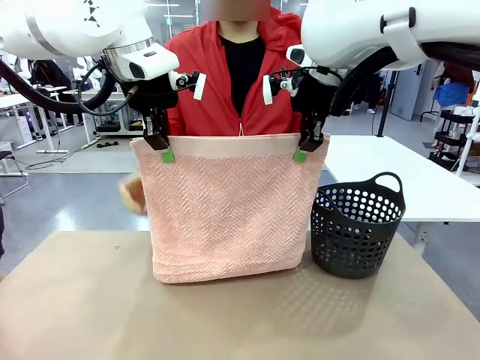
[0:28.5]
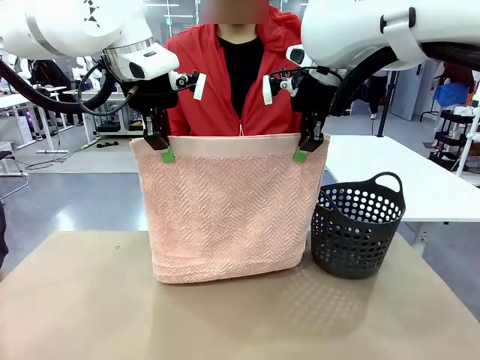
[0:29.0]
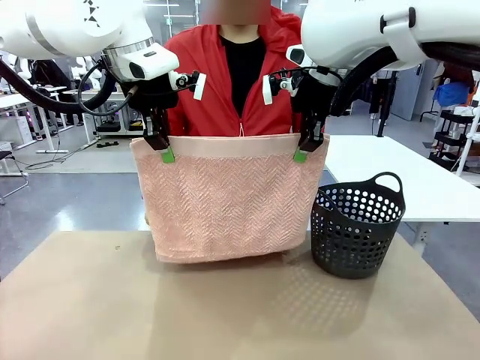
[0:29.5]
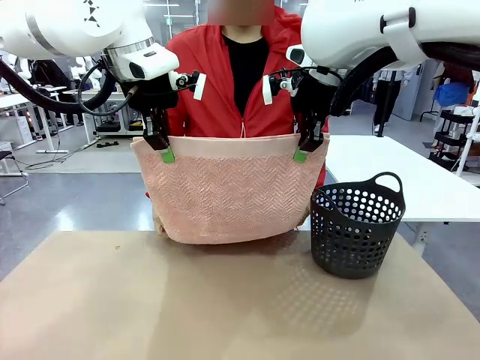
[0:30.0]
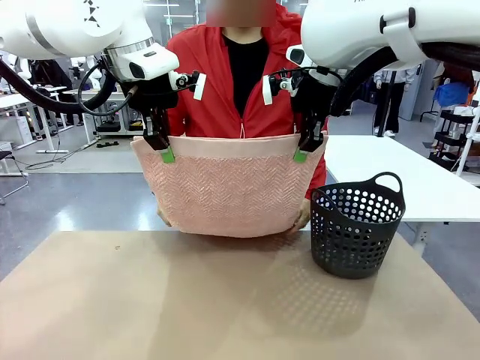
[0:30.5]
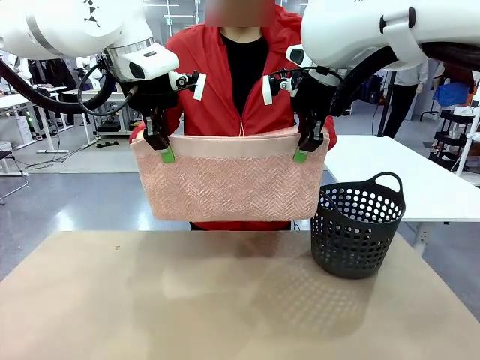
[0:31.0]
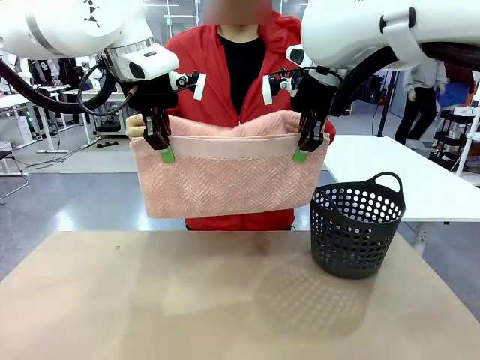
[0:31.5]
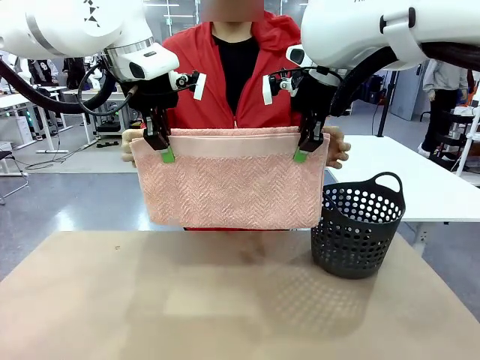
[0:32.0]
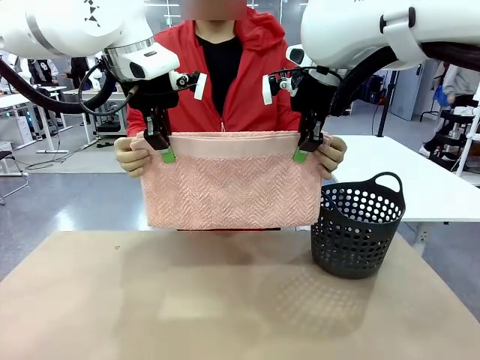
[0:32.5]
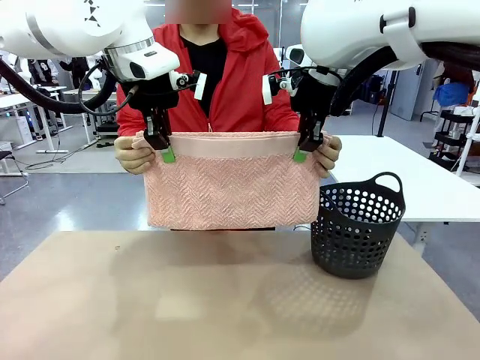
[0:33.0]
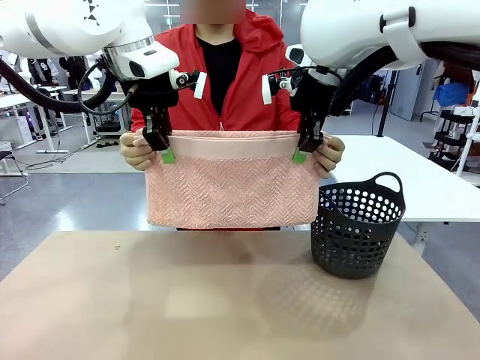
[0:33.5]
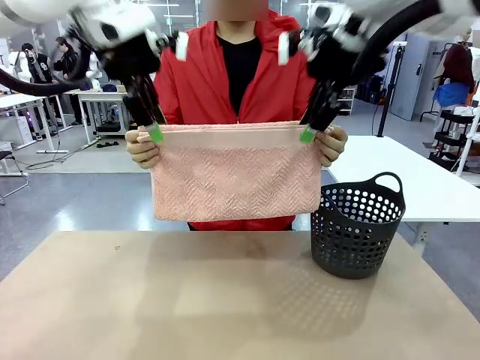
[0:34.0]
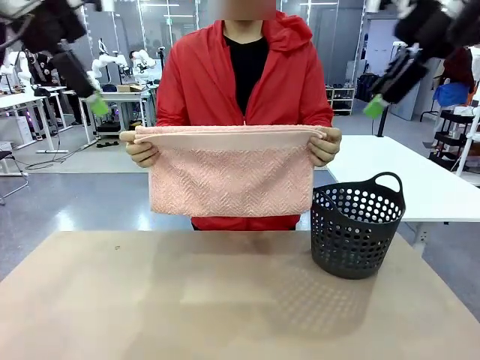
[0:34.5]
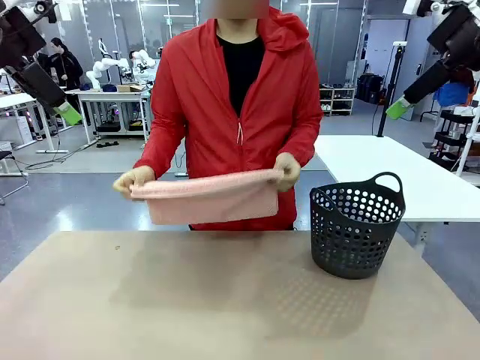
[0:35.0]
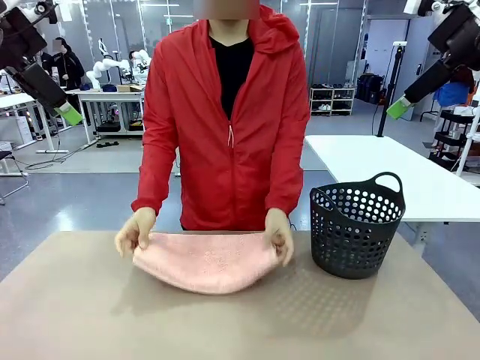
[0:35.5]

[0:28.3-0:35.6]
Task: Fold the towel.
Robot: Release the end of the 100 cm Hotel Towel you were holding.

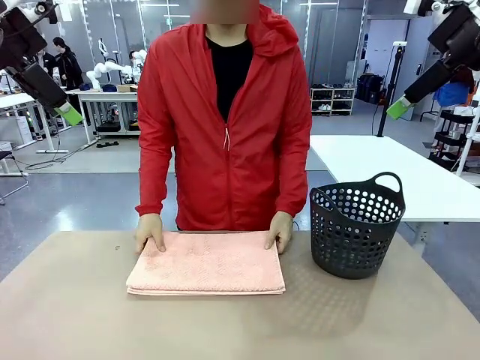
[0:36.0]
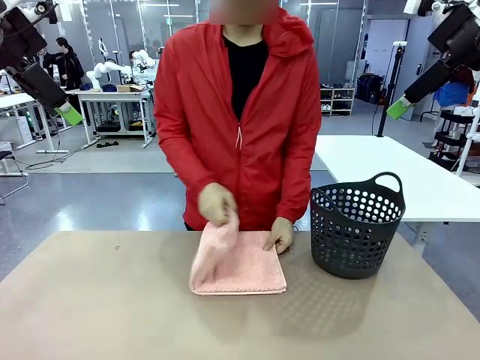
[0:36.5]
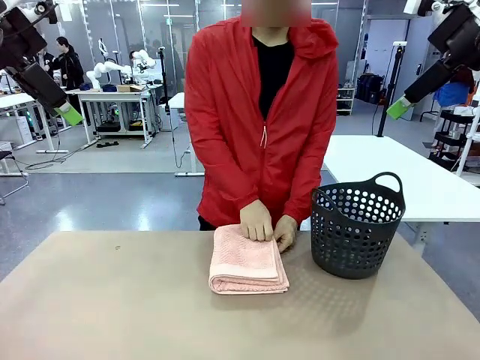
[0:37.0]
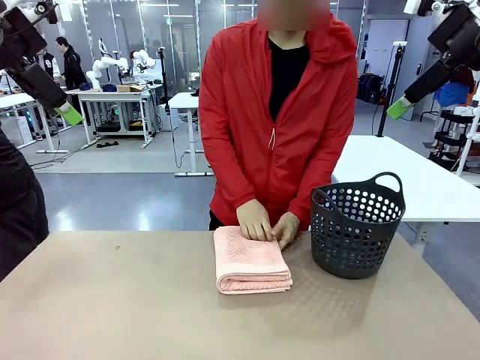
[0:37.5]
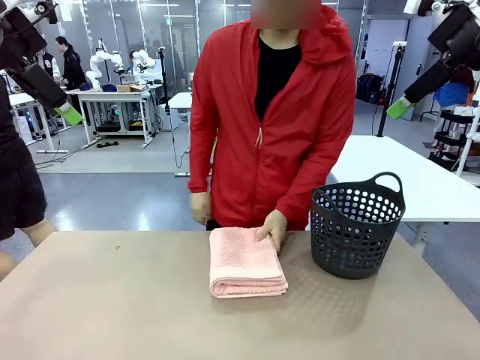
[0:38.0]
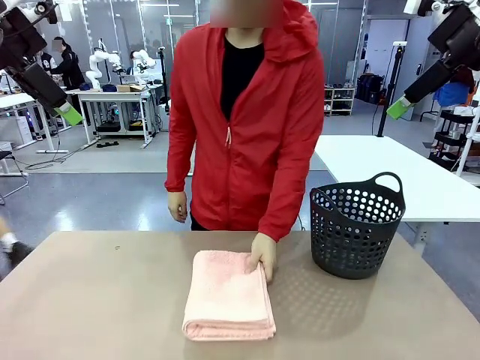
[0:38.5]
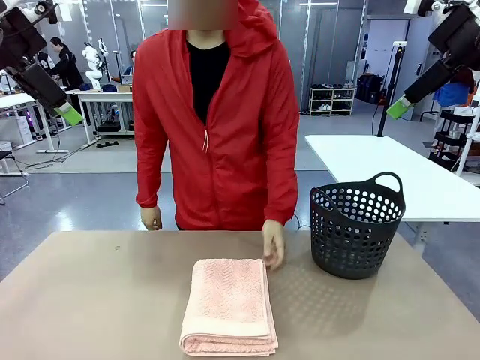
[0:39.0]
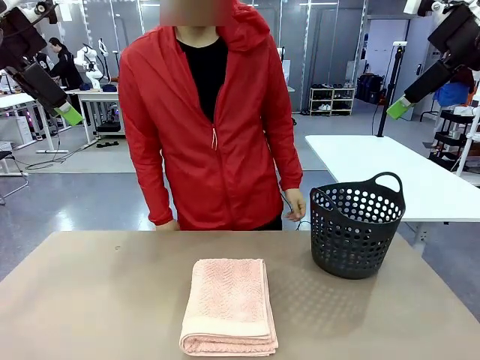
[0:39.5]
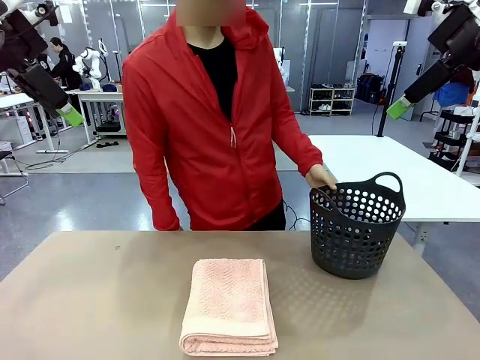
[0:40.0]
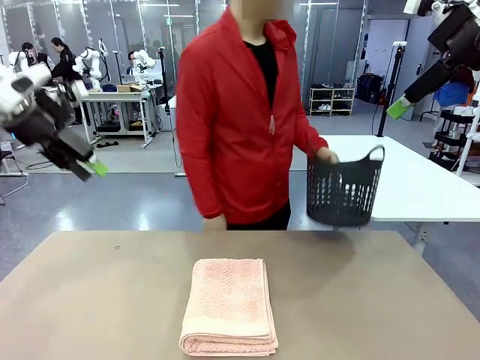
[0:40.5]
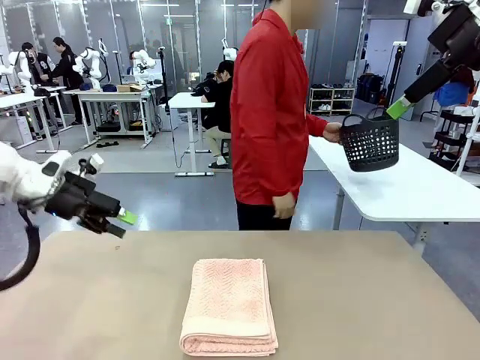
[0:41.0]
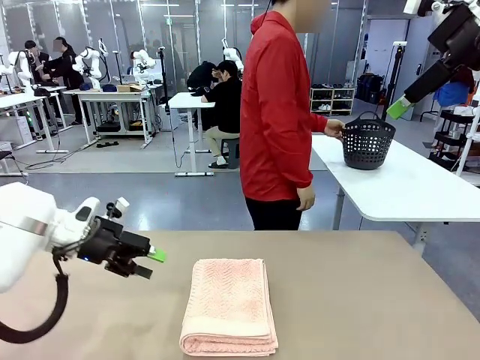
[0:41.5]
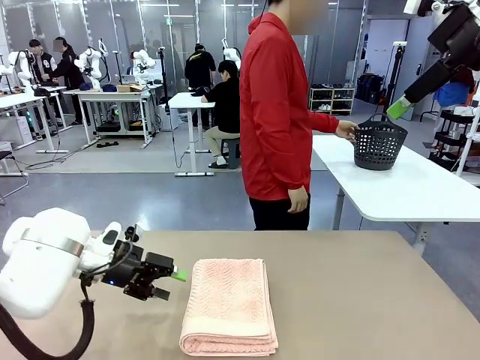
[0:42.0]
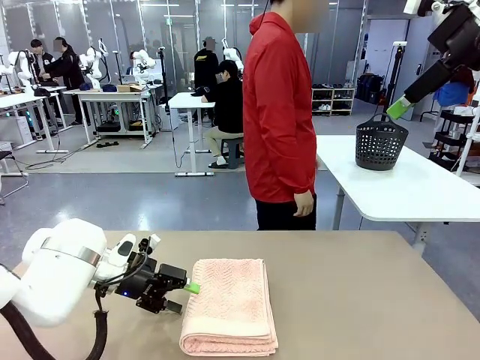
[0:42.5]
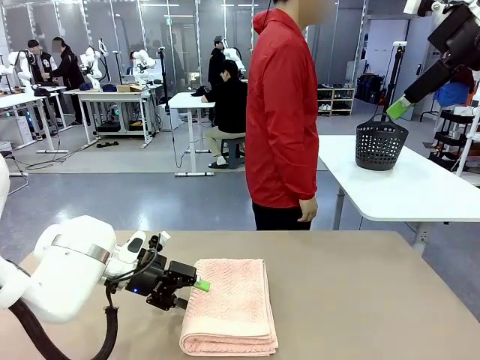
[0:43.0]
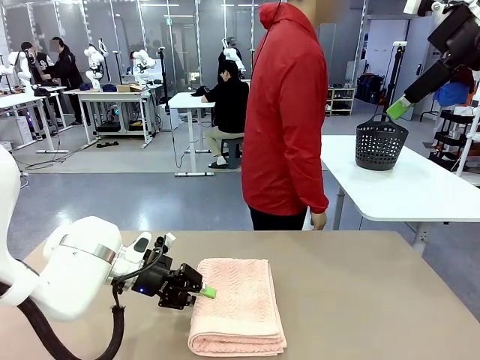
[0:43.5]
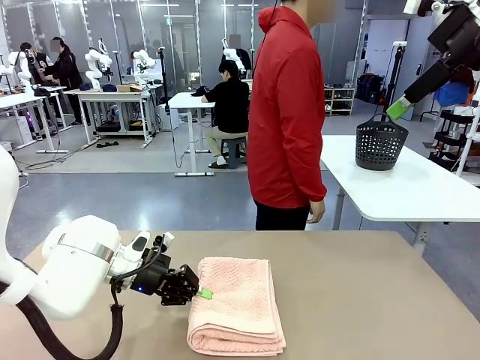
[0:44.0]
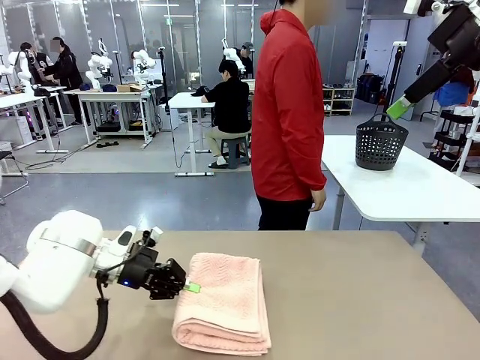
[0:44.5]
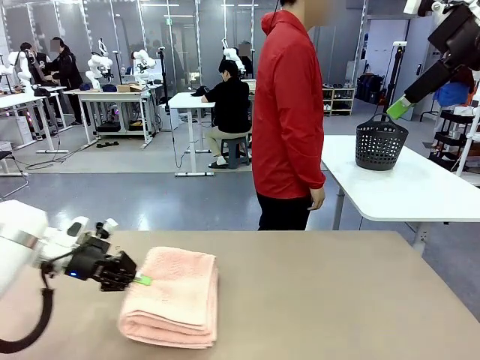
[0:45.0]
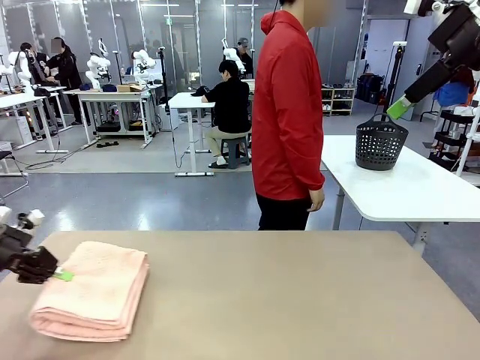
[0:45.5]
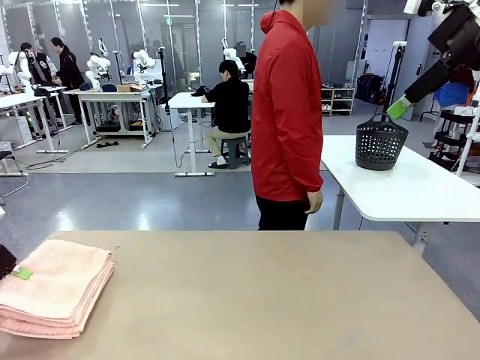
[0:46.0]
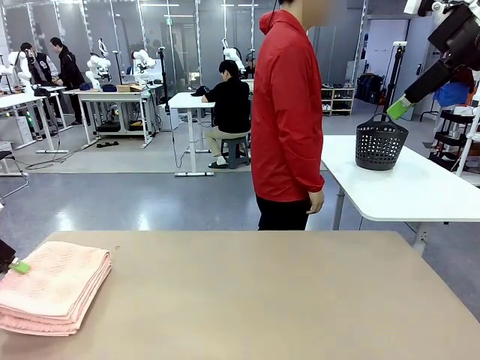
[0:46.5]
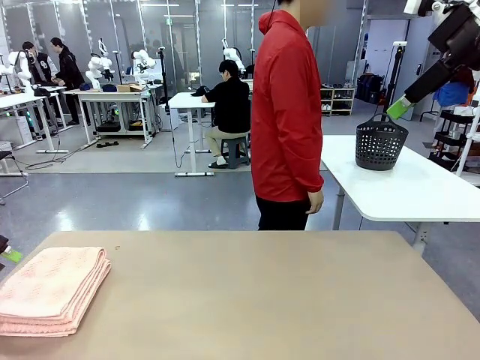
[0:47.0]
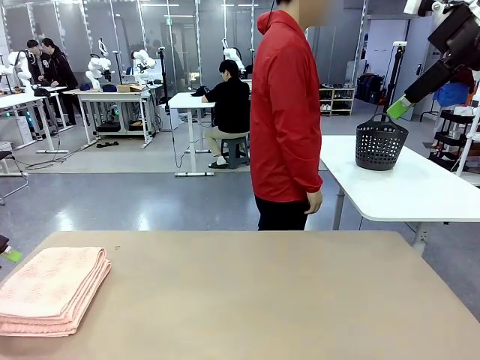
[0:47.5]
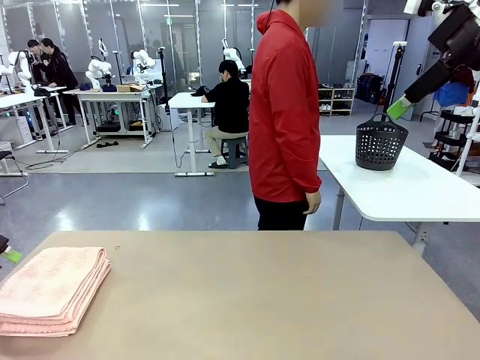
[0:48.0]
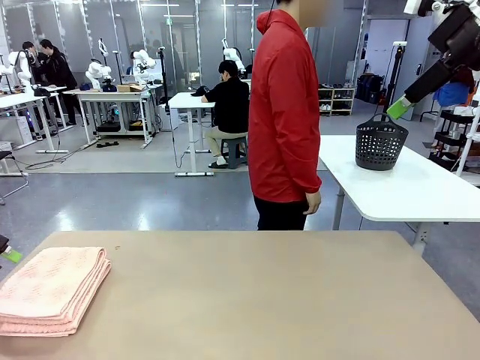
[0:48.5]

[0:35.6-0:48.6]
Robot: Pick up the 100 cm Hotel Towel and place it on the left side of the table.
Person: Place the towel at the center of the robot table and fold it in half. Pick up the laundry basket and place it at the center of the human table.

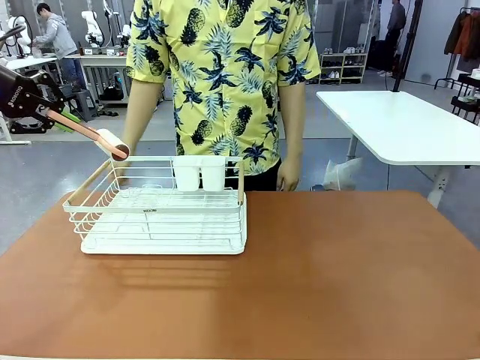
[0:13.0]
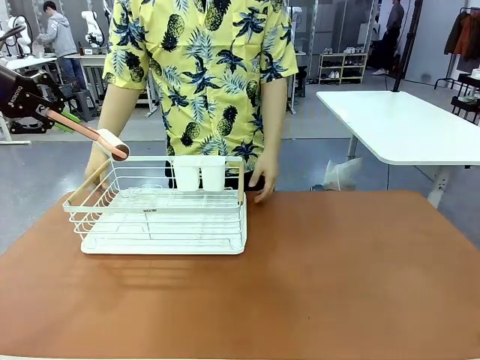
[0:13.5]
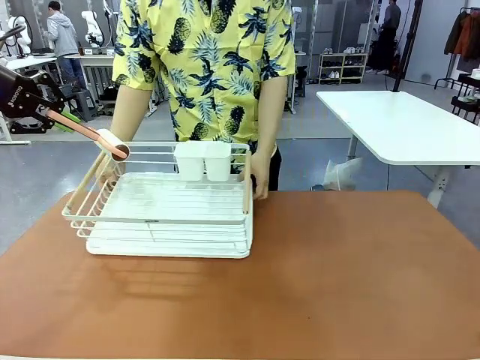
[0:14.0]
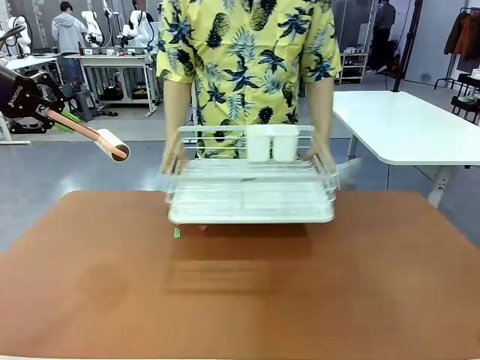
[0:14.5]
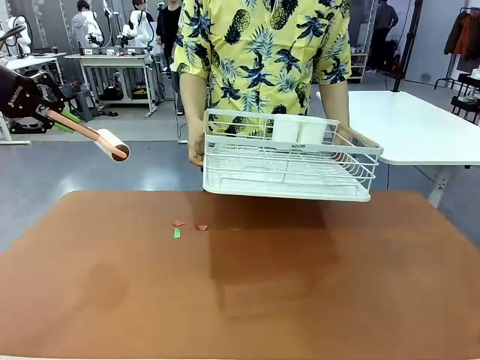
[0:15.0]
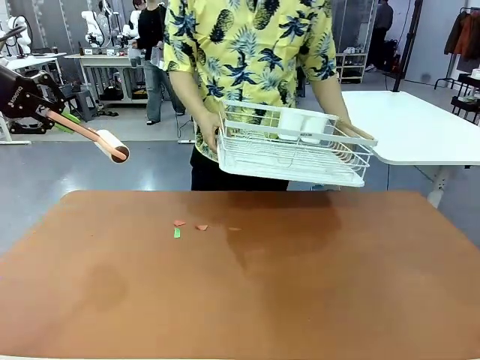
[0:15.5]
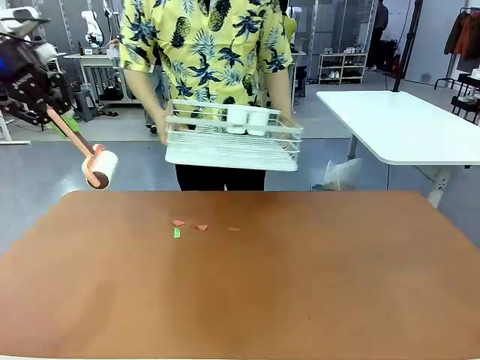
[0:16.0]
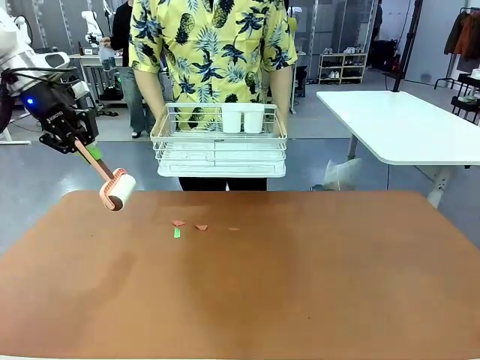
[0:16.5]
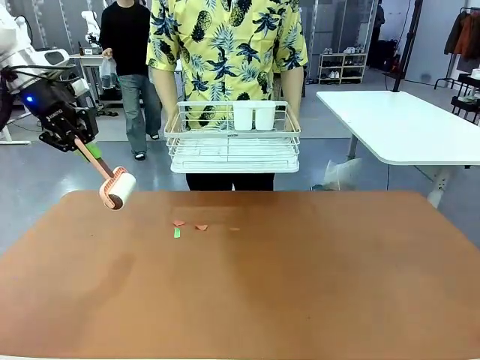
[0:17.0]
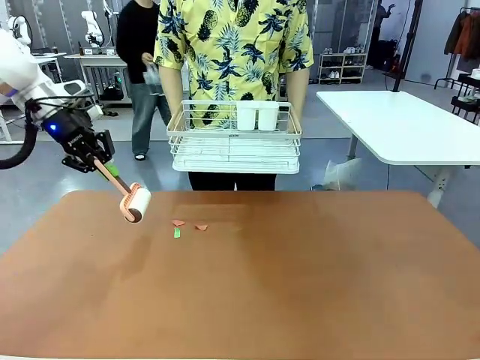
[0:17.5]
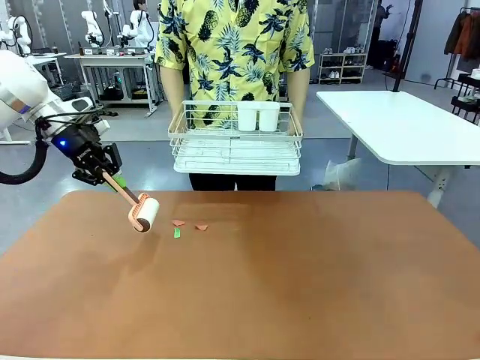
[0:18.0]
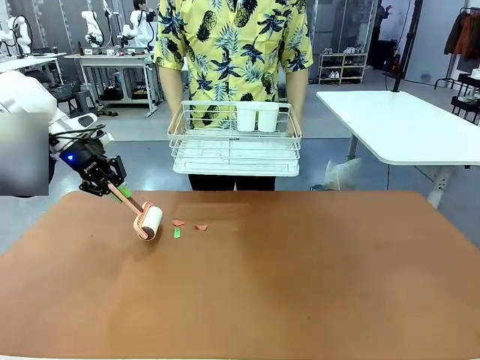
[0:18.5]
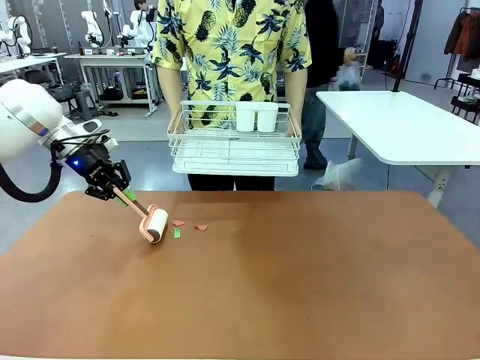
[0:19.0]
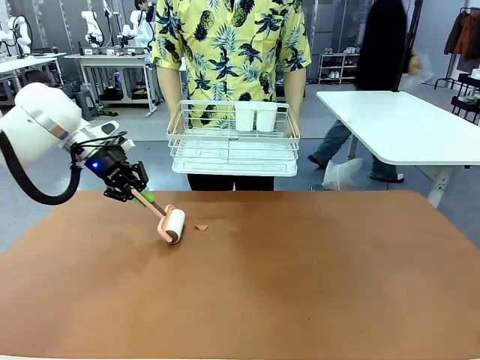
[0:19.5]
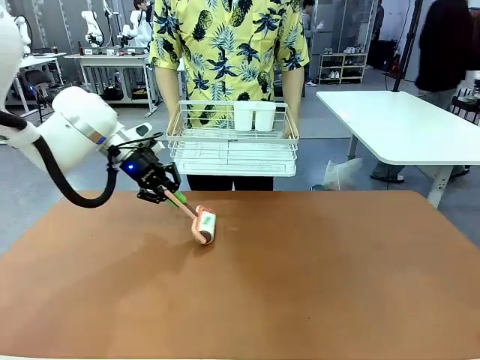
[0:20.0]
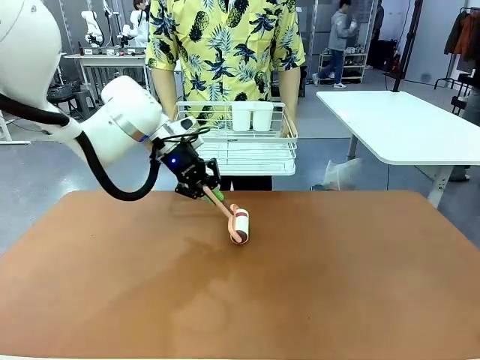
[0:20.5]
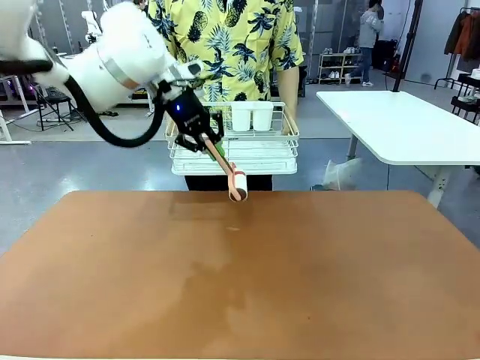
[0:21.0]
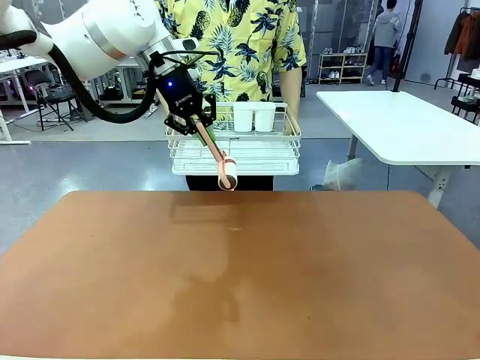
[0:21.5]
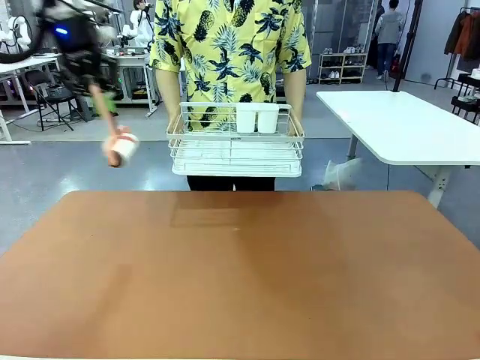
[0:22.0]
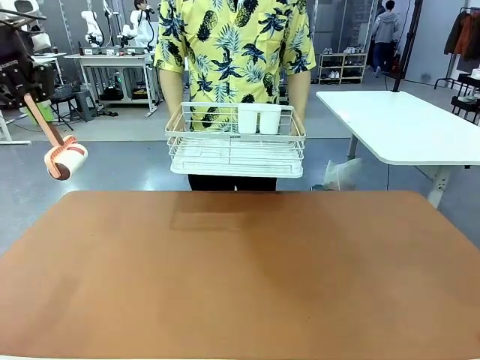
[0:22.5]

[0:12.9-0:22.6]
Task: Clean the table.
Robot: Clean the table with the Lint Roller when the human lifts the Dish drying rack.
